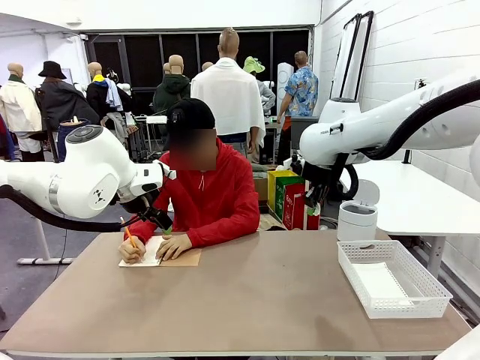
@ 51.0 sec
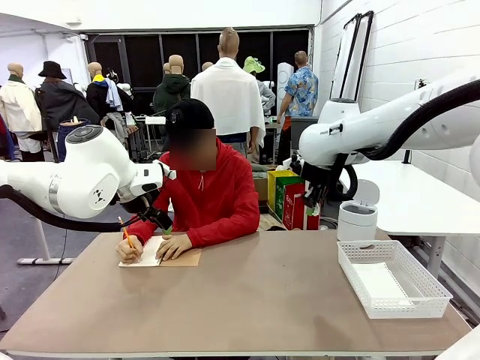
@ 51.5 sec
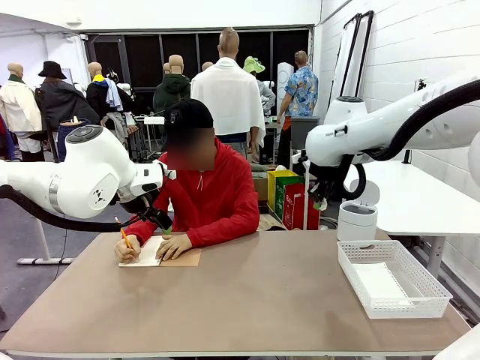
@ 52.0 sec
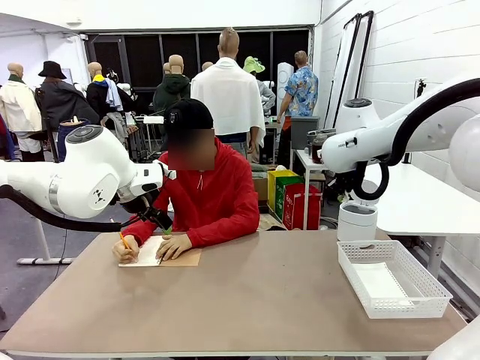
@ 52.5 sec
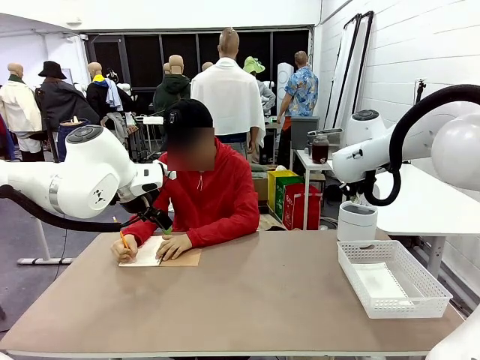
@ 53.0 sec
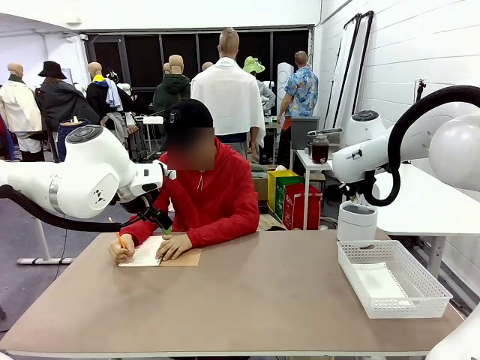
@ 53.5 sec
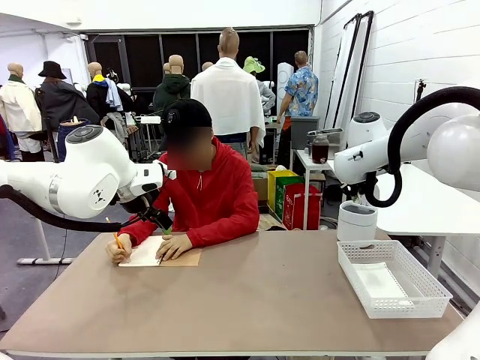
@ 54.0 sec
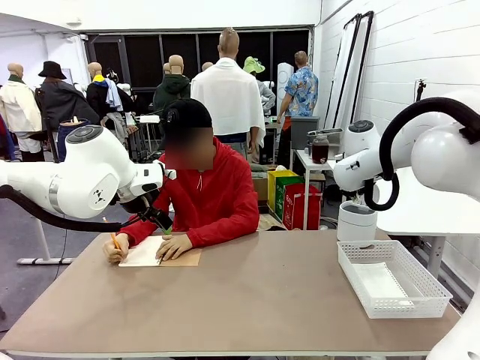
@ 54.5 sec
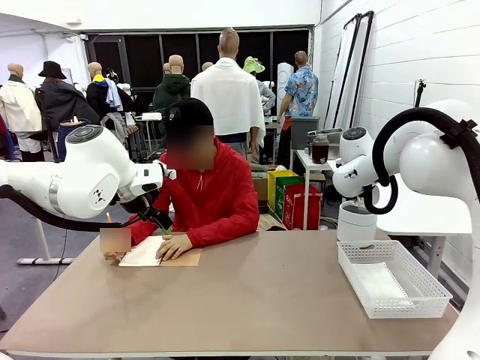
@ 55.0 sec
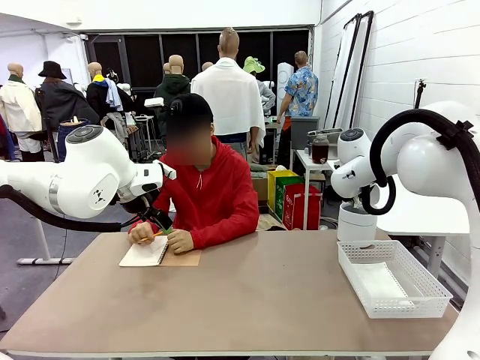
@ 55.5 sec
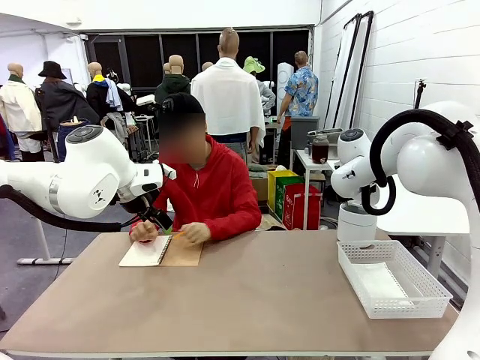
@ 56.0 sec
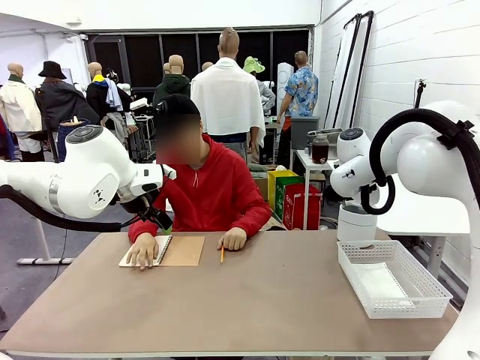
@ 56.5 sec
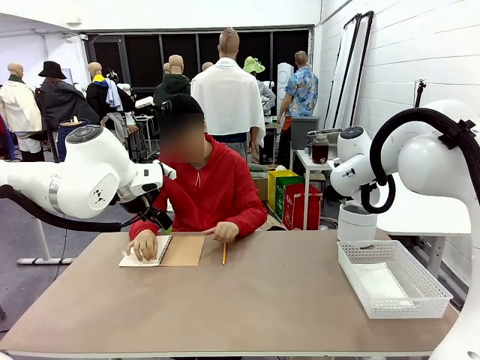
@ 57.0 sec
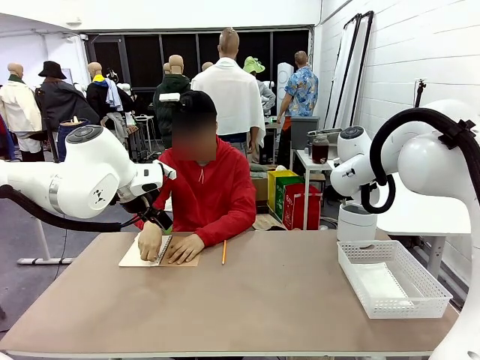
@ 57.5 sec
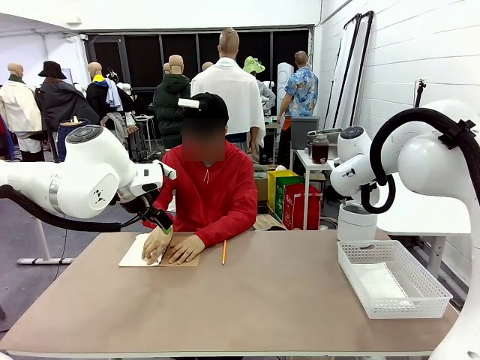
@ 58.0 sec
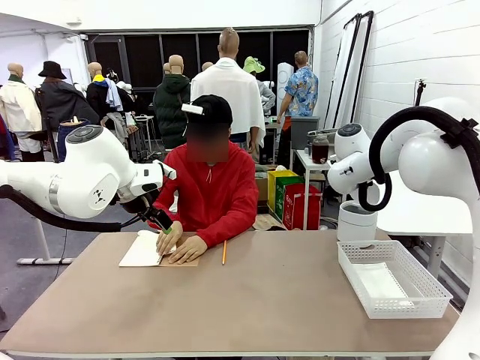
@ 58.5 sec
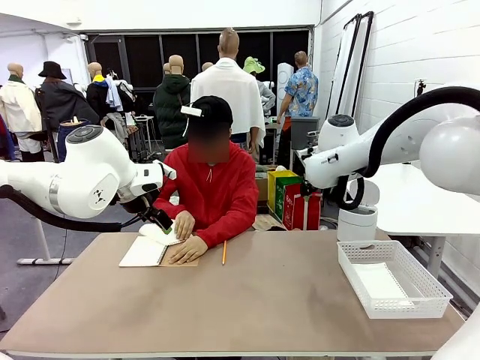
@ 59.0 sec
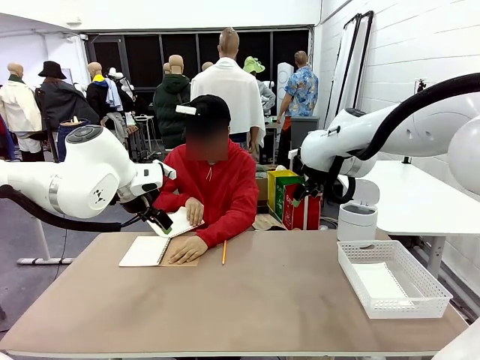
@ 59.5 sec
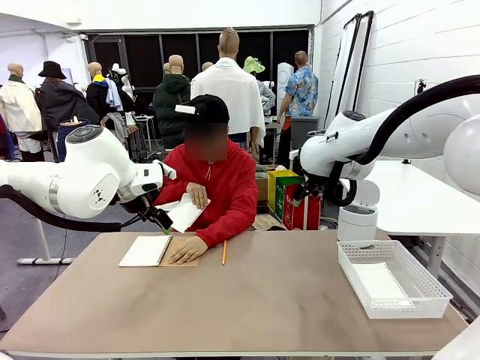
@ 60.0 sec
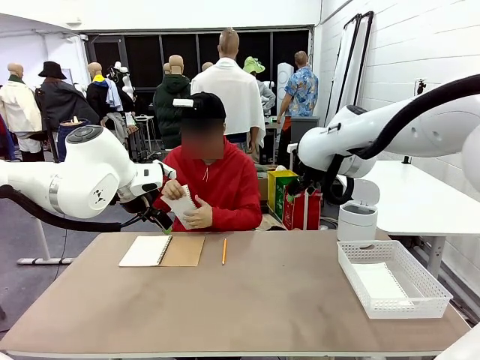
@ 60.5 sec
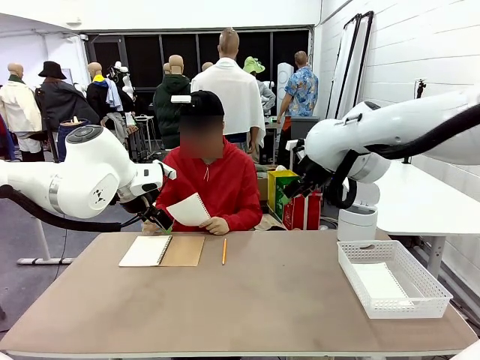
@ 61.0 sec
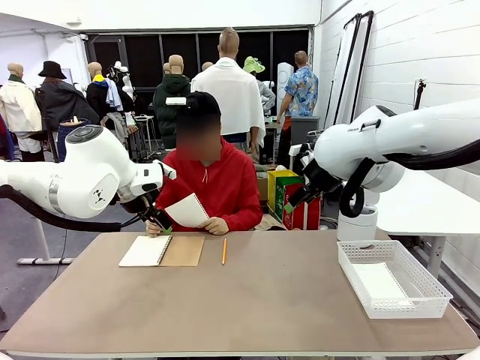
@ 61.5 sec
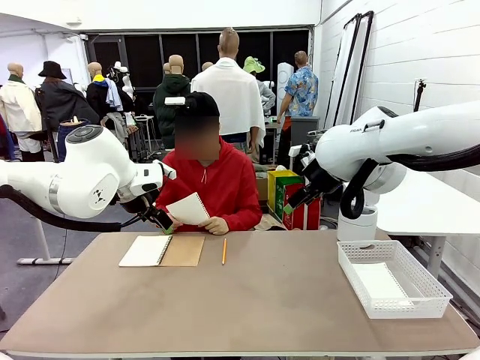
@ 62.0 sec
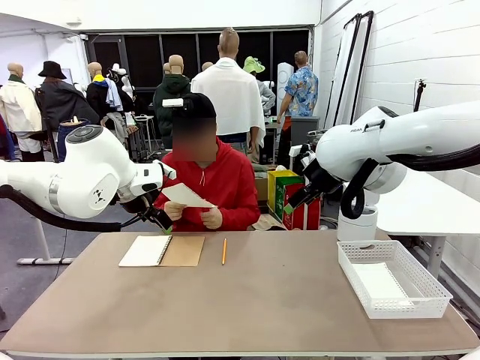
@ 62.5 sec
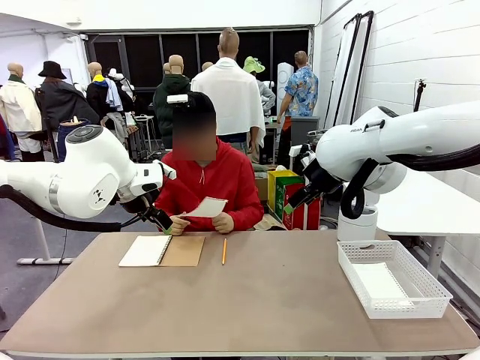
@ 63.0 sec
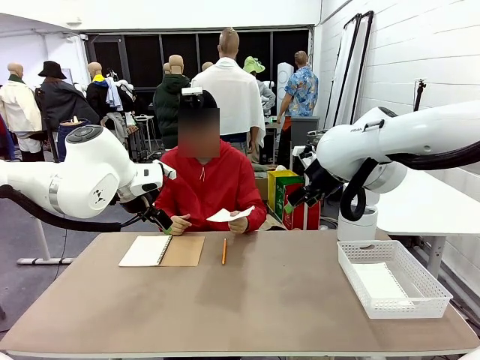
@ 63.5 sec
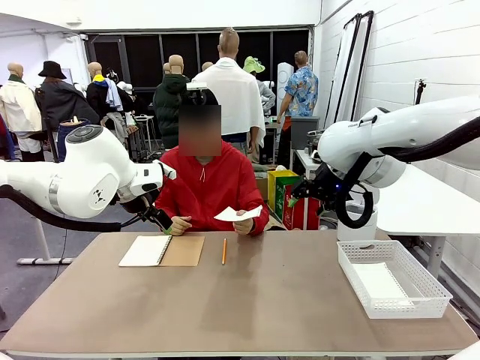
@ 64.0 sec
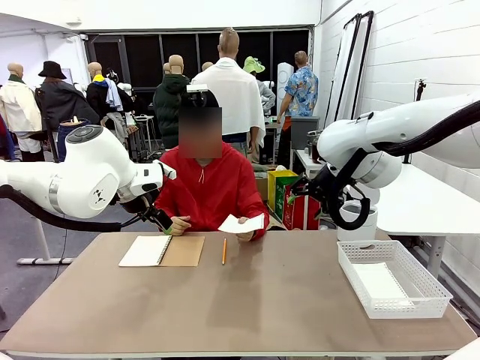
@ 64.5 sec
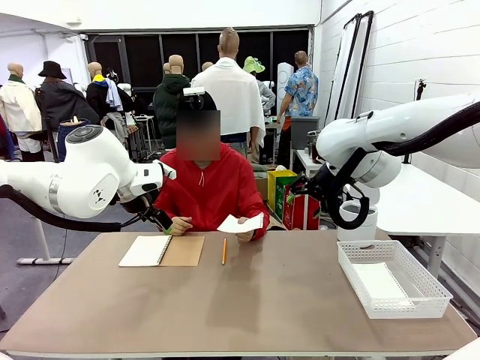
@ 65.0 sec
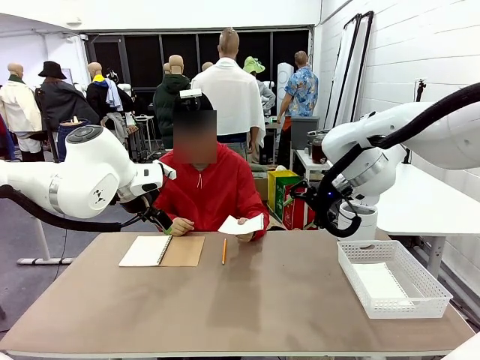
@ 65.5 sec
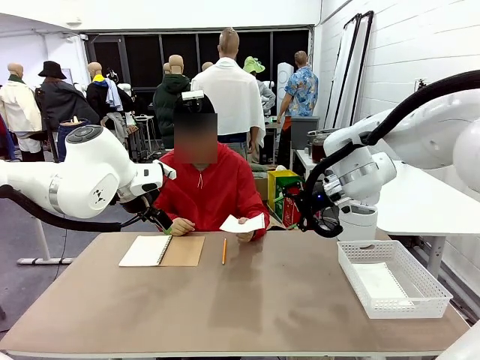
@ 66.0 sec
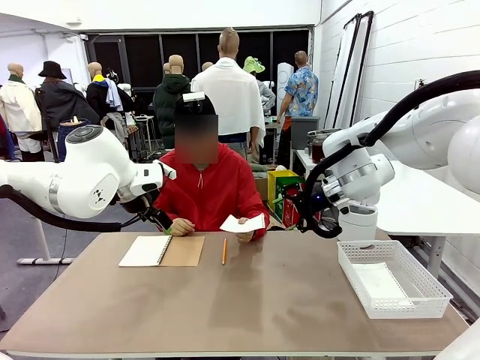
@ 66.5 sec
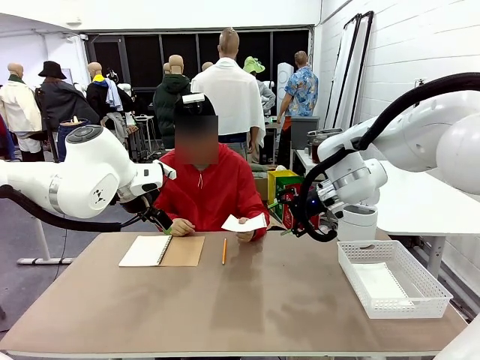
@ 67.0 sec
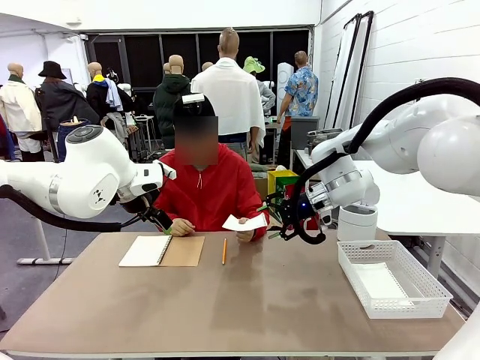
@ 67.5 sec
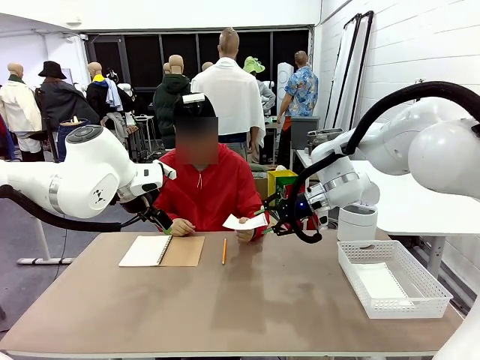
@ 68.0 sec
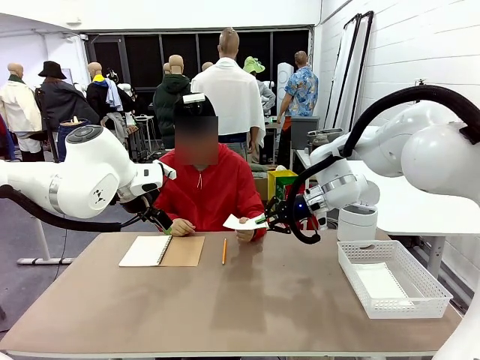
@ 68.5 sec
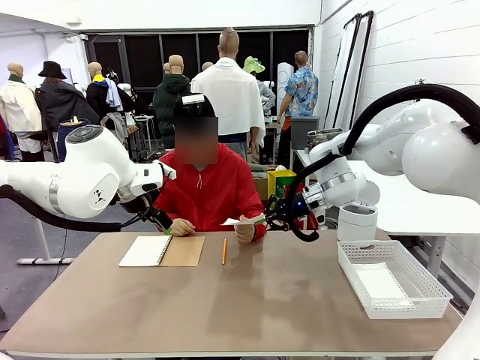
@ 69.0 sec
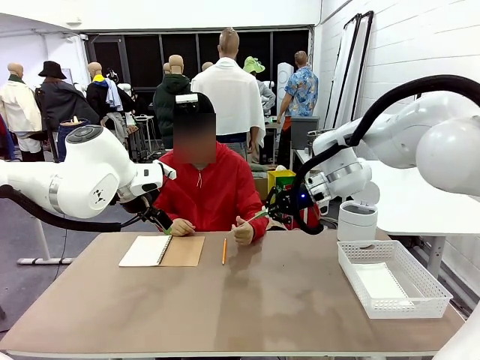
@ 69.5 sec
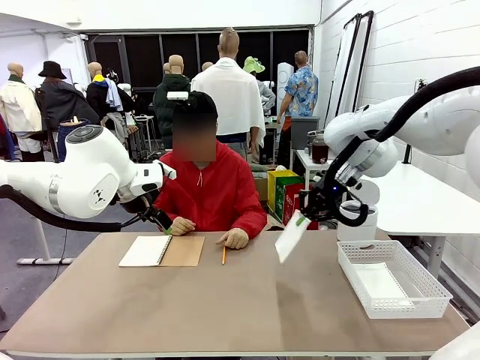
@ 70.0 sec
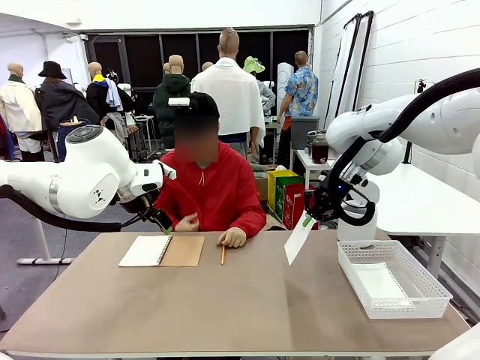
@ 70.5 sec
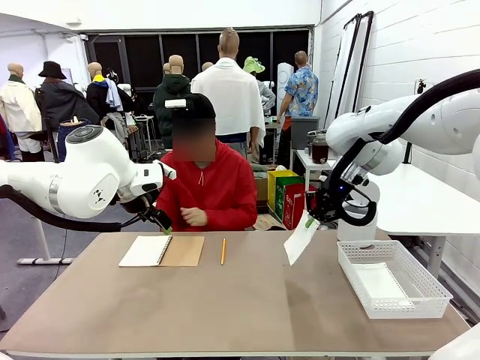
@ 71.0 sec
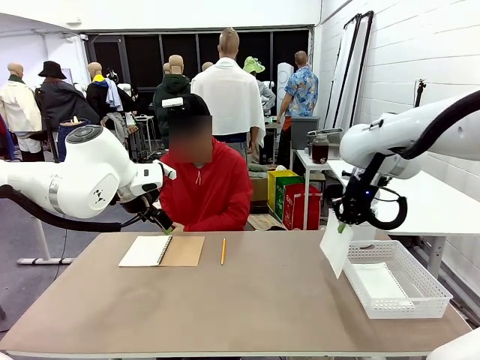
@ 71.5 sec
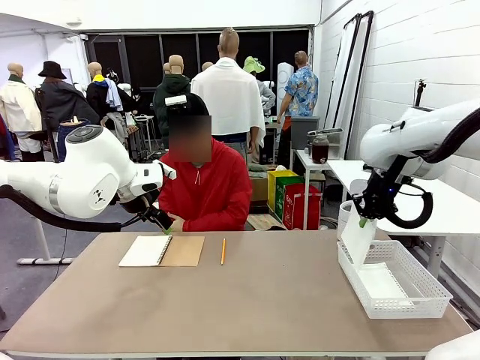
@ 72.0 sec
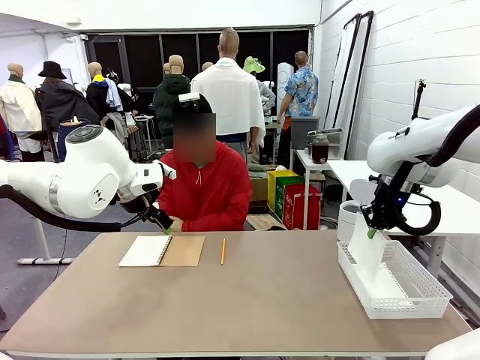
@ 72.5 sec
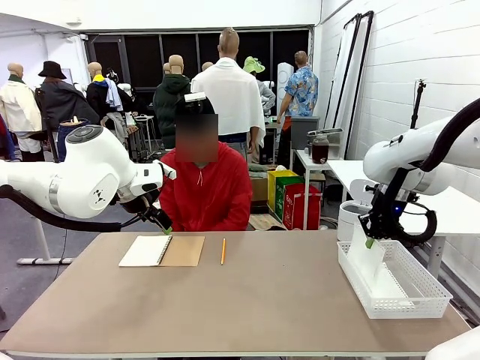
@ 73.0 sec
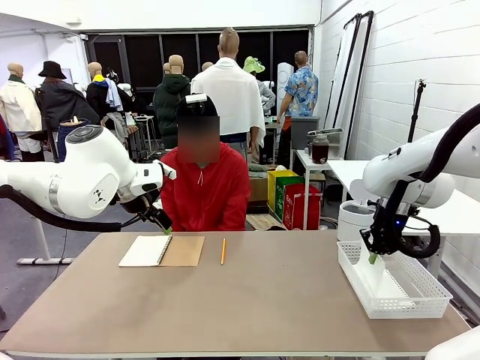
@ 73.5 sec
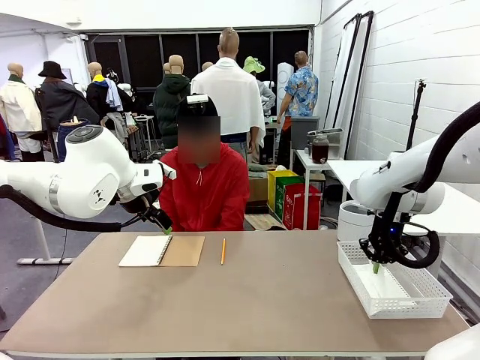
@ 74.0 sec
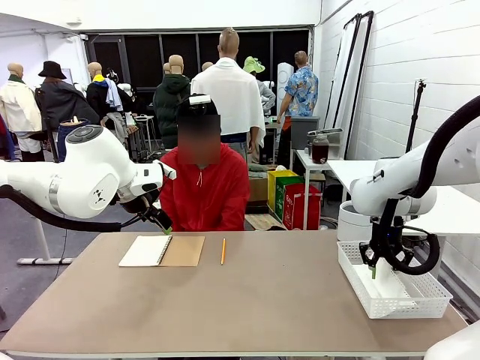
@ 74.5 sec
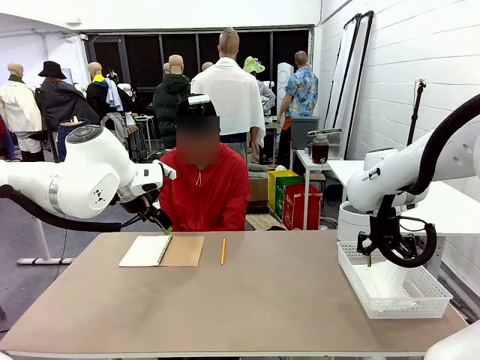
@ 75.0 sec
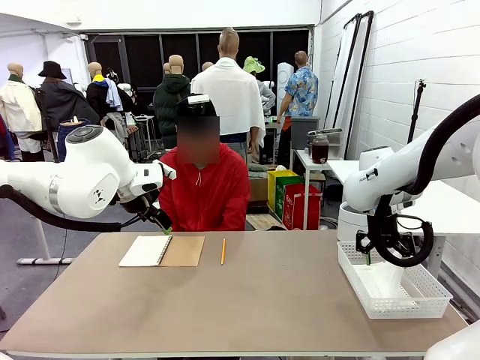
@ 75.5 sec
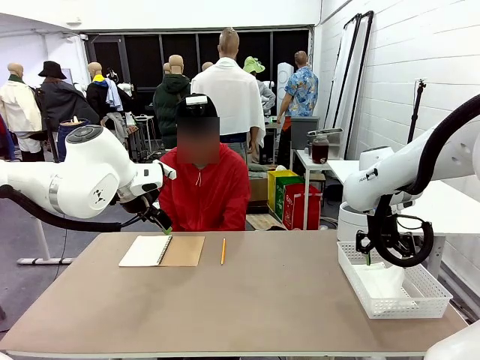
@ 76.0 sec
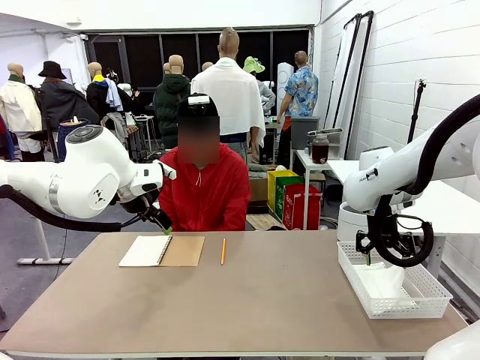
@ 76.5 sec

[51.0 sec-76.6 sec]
Task: Sort the paper based on its condition.
Robot: If a person hands you a paper, place it in the Organizing basket , and if it's crumpled, put it in the Trash can.
Person: Tear out a page from the spiral notebook. Hand the torn page to the robot or crumple it and throw it to the center of the table.
